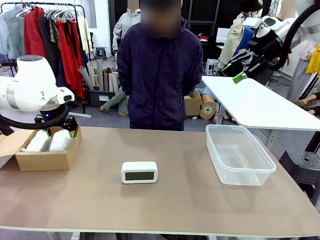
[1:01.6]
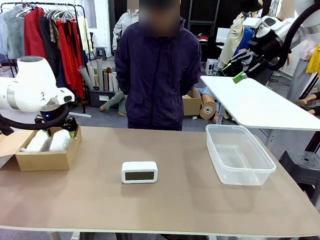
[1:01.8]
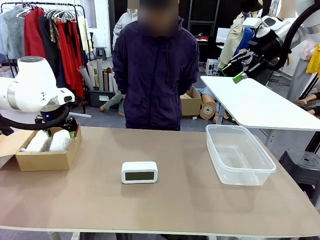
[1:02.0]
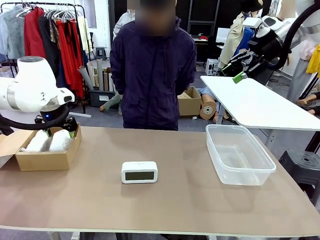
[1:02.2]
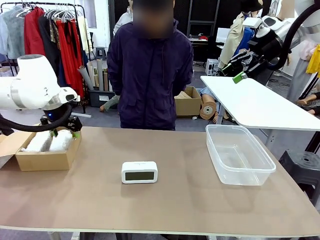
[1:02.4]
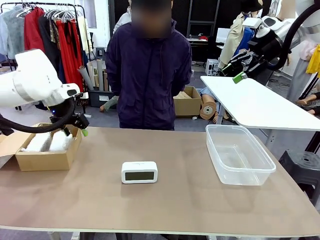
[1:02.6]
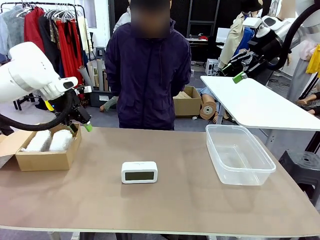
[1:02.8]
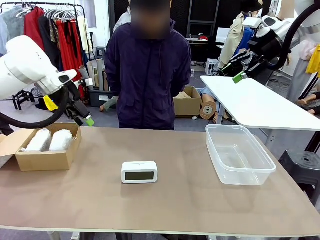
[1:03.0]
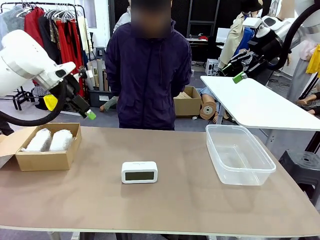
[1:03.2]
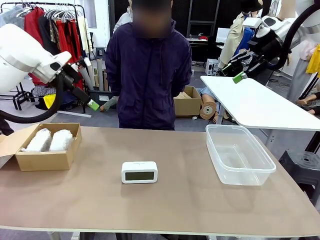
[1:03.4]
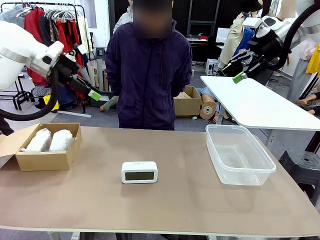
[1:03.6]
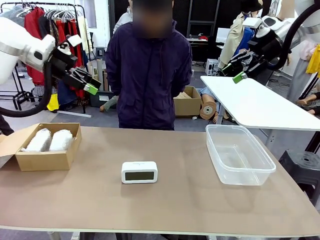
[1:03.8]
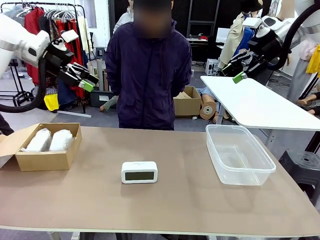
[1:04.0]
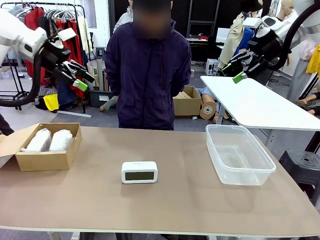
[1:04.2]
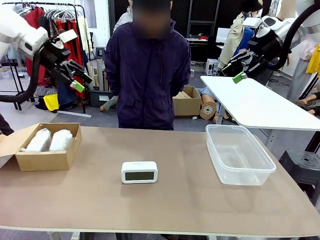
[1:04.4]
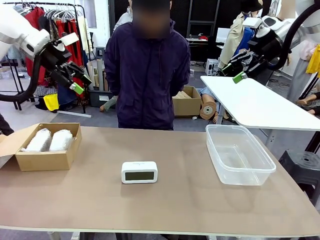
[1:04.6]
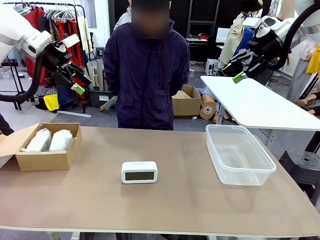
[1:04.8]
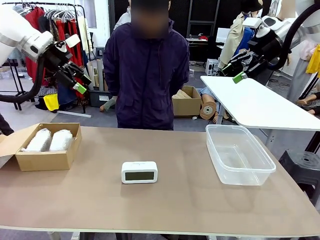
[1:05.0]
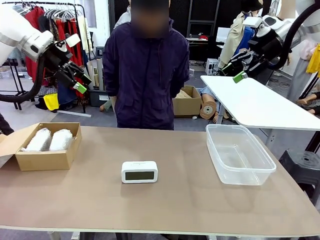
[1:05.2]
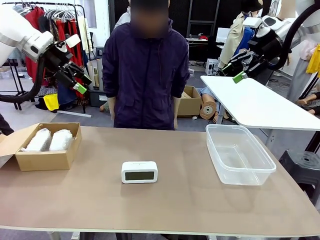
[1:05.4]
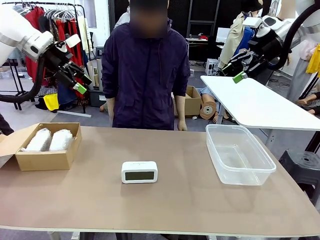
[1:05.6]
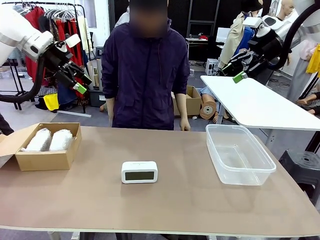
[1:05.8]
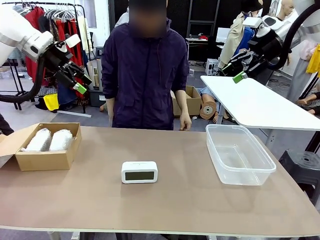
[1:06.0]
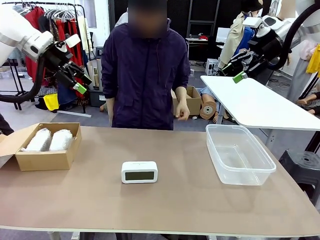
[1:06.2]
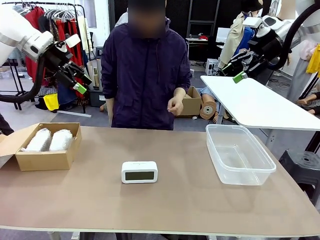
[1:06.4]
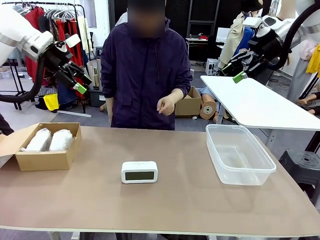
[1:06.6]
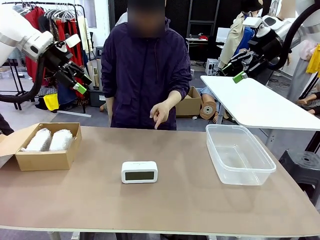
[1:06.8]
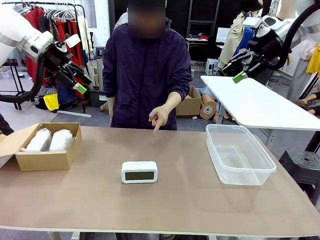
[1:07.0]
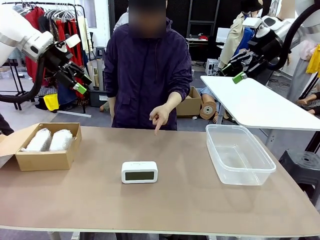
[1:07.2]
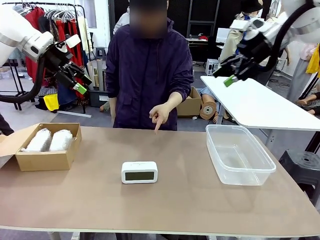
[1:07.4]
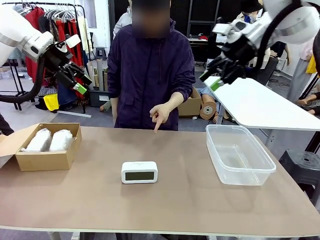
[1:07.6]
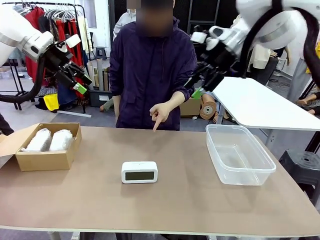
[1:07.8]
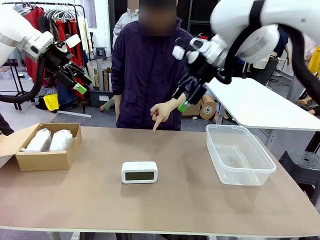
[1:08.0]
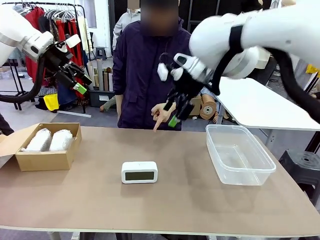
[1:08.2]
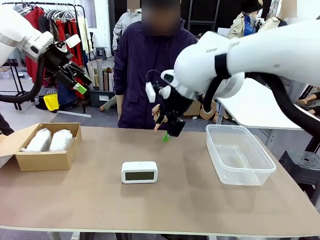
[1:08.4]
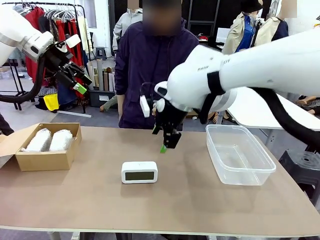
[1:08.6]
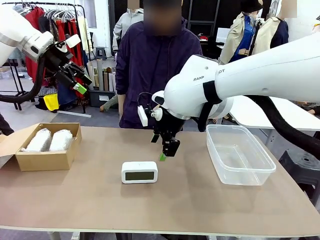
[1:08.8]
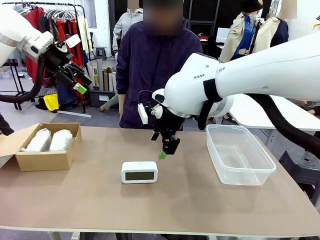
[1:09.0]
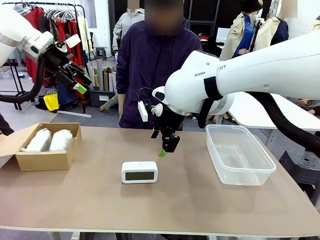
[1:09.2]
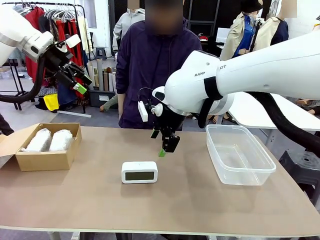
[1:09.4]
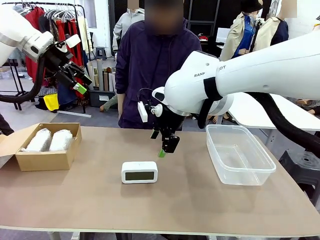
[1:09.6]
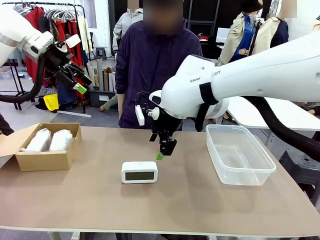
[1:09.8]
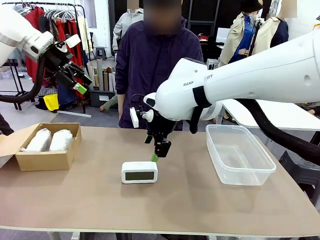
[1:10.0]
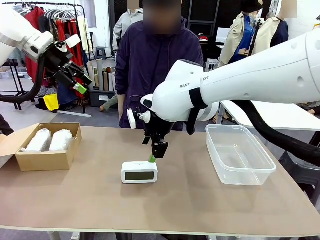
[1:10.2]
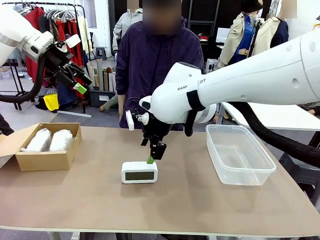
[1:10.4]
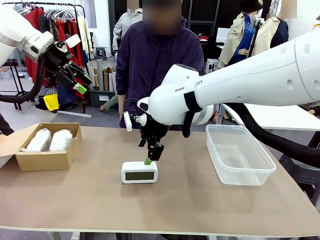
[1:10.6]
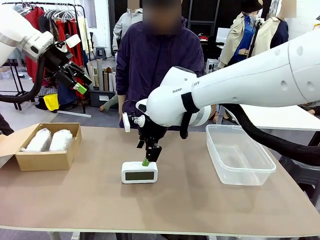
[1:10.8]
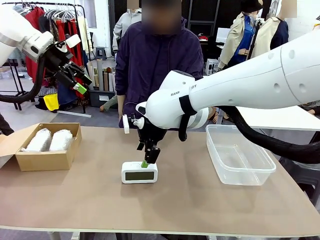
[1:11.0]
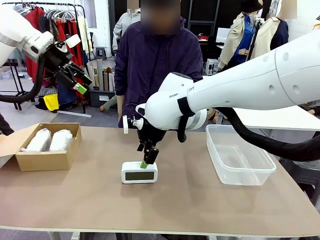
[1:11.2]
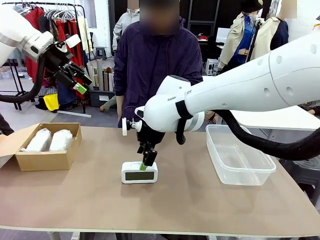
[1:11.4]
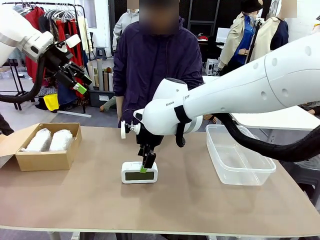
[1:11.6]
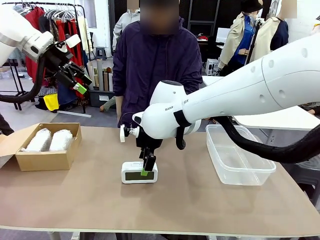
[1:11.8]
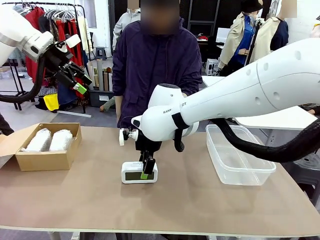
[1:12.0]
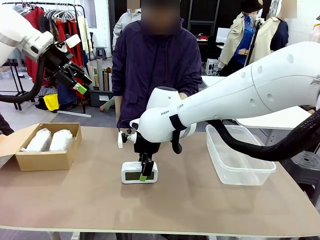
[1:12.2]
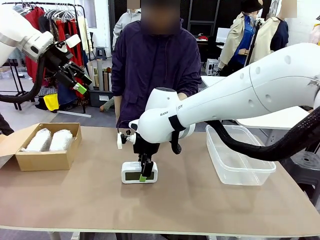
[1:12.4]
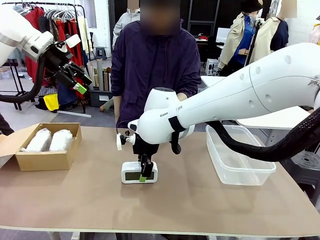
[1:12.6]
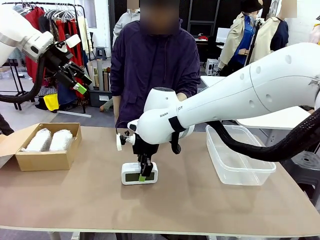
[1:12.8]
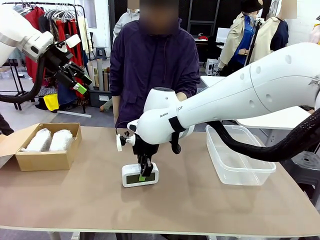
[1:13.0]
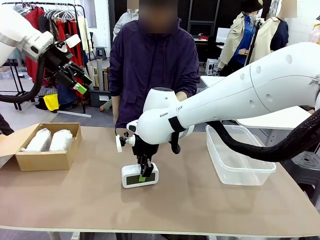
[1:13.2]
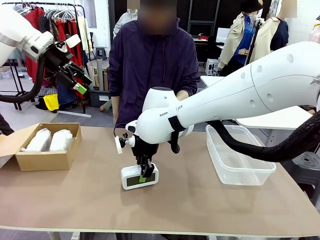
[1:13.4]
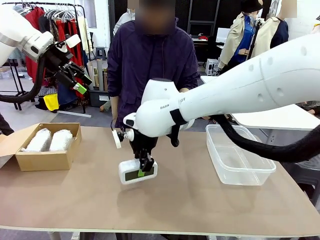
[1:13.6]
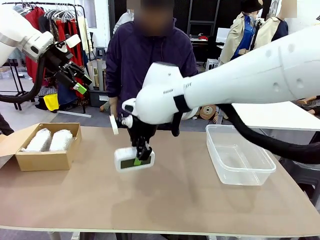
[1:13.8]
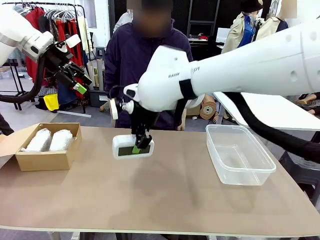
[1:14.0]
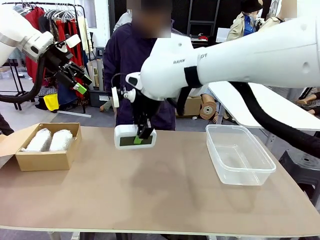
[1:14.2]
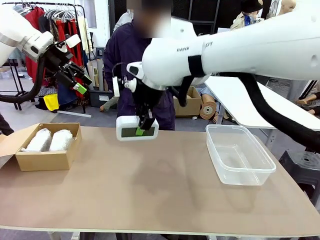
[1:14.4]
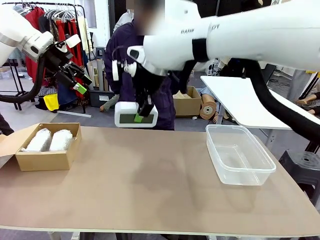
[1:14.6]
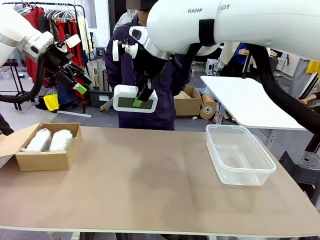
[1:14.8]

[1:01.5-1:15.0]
Task: Separate and place wrapped and unwrapped clocks.
Robot: Pick up the Digital clock indicated by the person.
